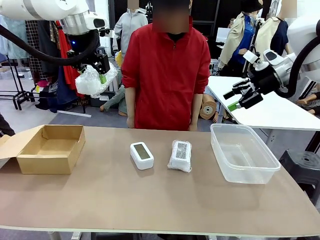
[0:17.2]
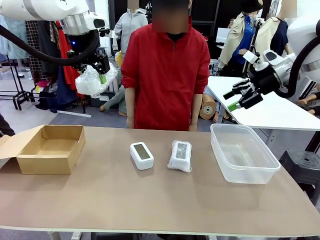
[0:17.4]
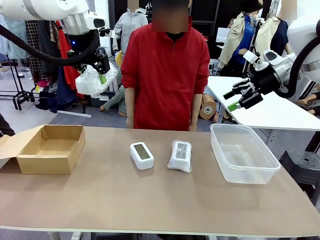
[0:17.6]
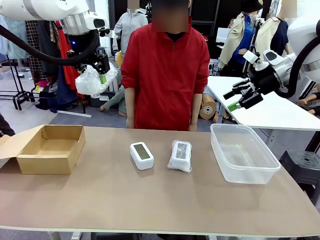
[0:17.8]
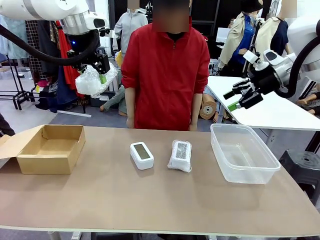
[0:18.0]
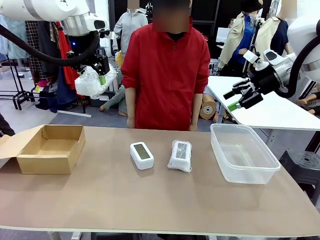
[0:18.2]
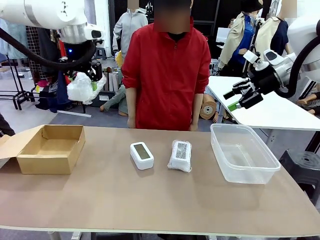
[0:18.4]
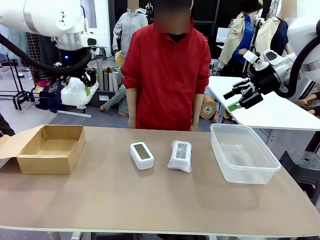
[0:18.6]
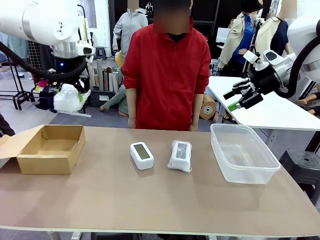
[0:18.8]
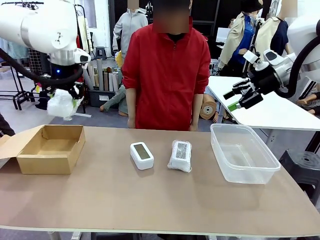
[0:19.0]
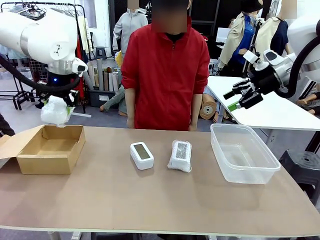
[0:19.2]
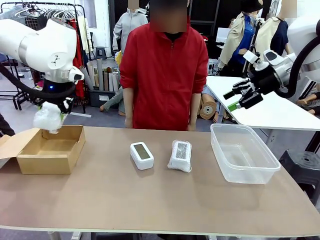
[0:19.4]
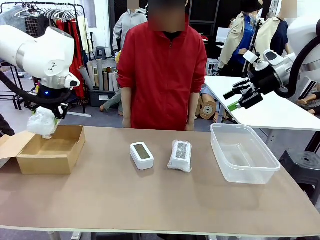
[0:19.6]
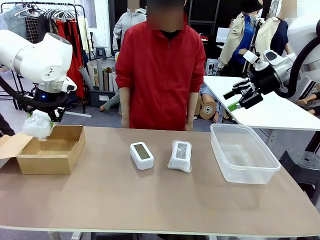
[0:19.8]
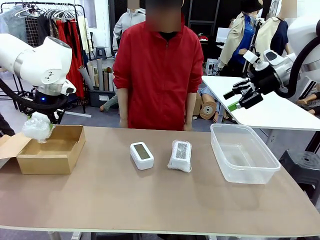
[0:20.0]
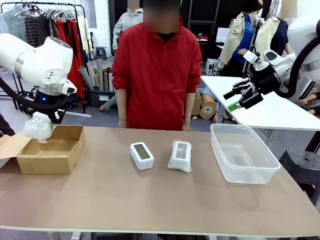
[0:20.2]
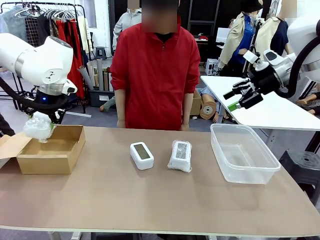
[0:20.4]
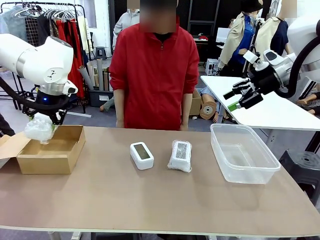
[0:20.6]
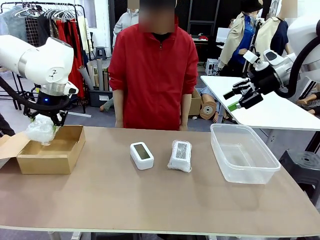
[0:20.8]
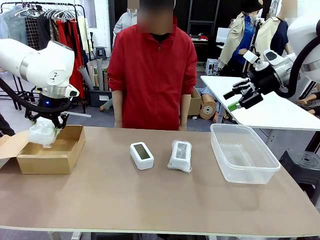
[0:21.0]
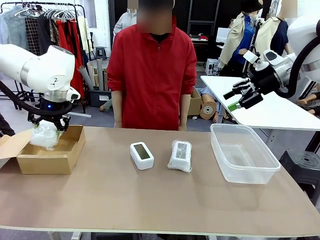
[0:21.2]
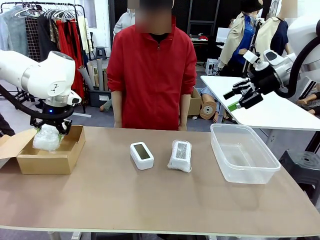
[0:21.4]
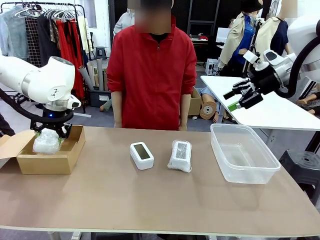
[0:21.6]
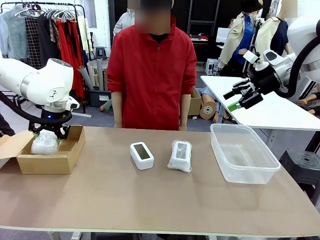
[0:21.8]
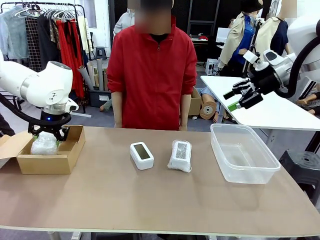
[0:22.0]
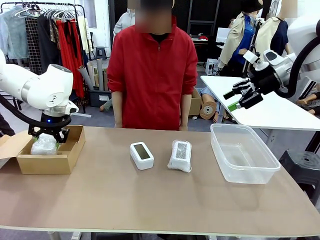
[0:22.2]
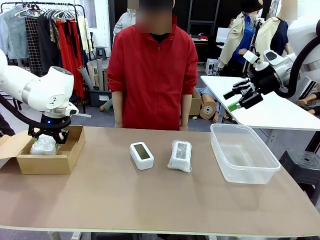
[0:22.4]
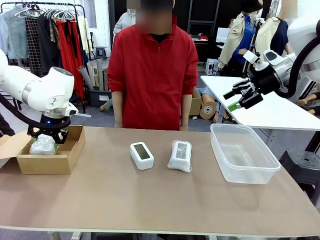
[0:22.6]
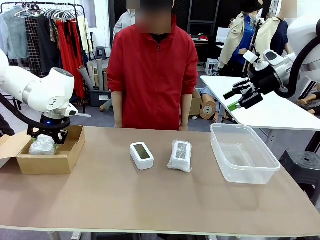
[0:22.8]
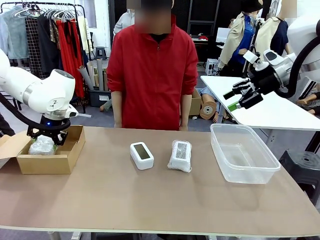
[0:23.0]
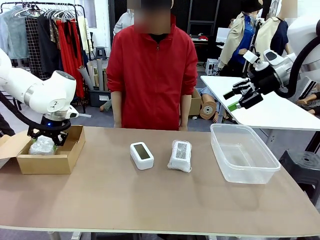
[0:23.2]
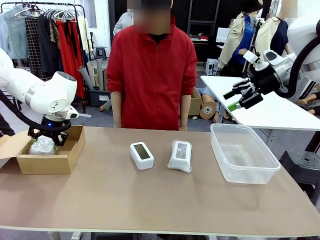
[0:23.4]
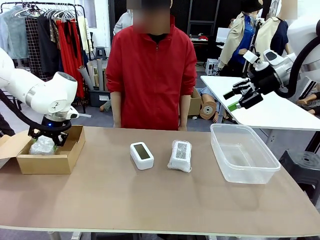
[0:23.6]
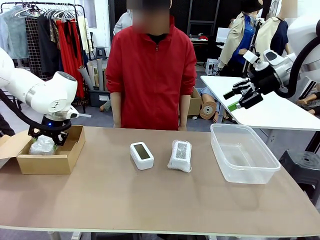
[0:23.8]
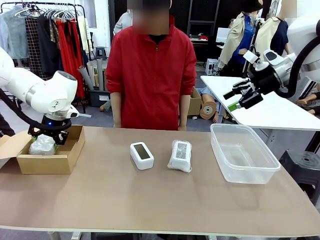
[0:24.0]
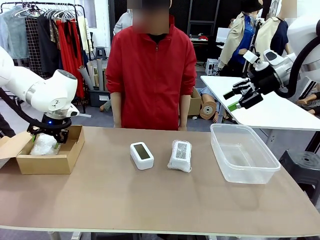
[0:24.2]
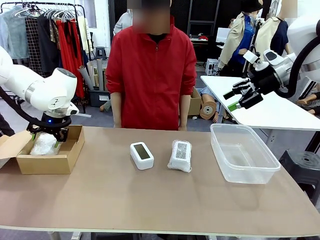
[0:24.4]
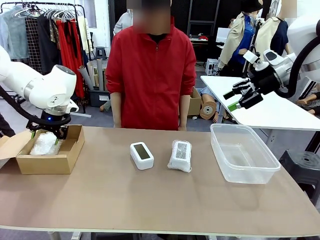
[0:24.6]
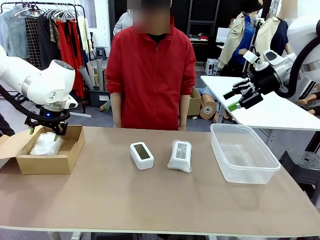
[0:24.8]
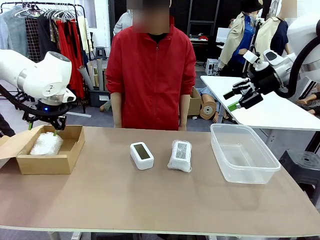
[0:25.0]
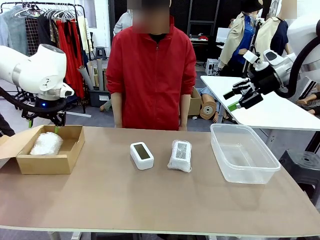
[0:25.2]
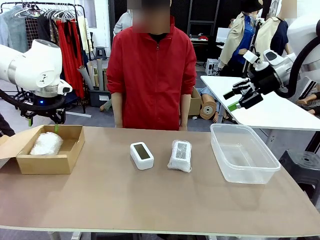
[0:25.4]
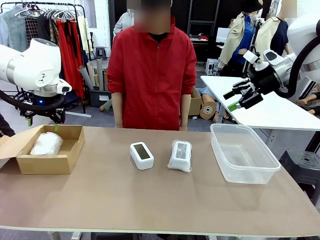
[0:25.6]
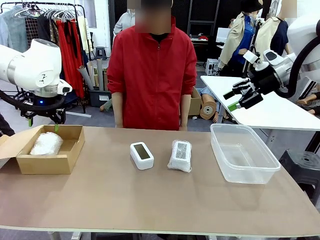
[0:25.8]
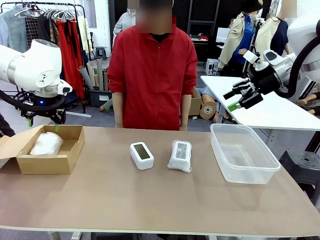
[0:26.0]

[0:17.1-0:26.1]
Task: Separate and place wrapped and unwrapped clocks.
Robot: If the picked Digital clock is wrapped, place it in the Package Box ; if not, place it in the Organizing box.

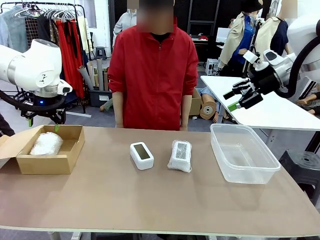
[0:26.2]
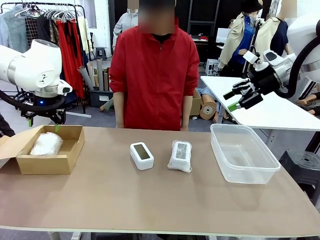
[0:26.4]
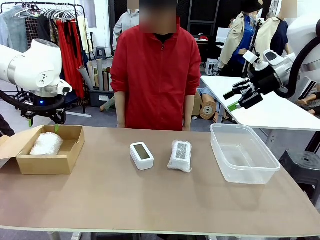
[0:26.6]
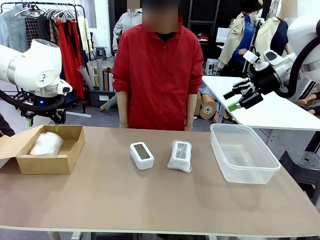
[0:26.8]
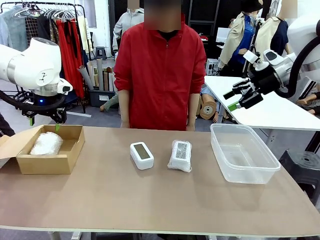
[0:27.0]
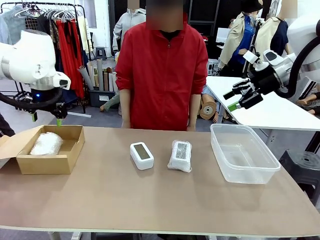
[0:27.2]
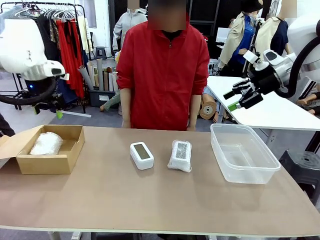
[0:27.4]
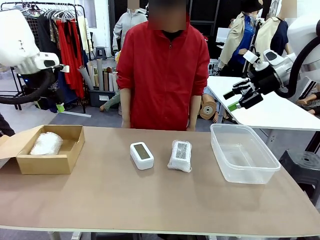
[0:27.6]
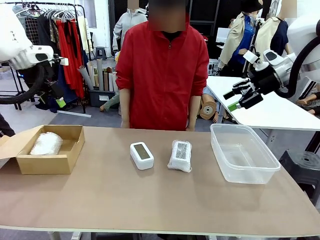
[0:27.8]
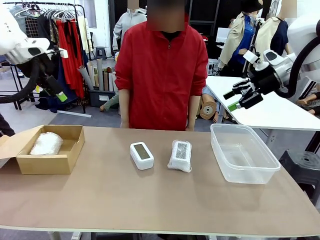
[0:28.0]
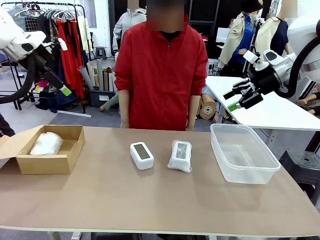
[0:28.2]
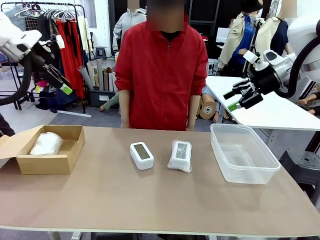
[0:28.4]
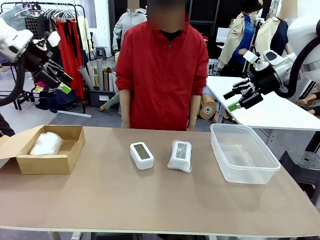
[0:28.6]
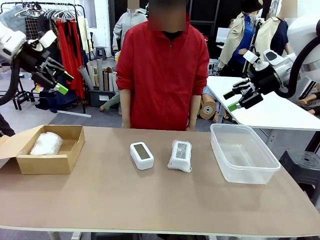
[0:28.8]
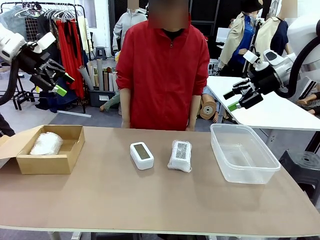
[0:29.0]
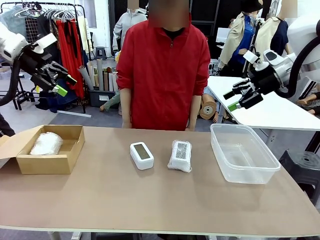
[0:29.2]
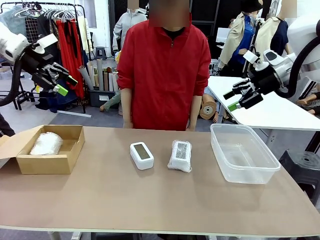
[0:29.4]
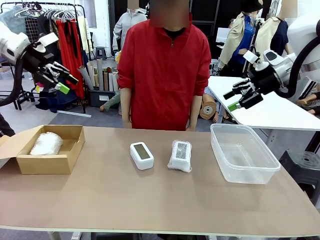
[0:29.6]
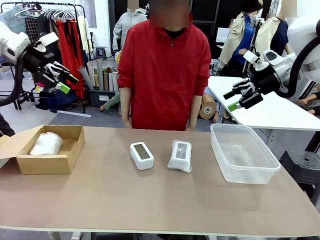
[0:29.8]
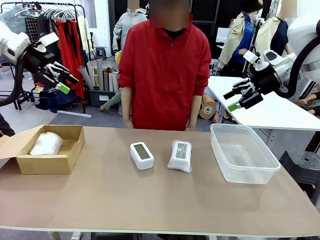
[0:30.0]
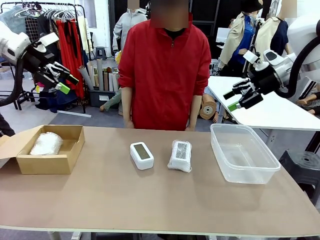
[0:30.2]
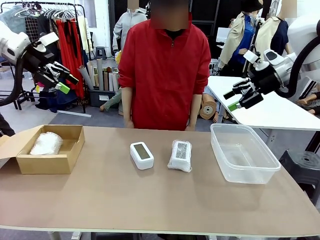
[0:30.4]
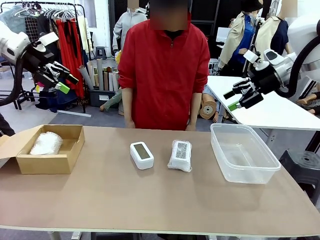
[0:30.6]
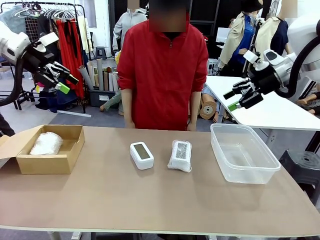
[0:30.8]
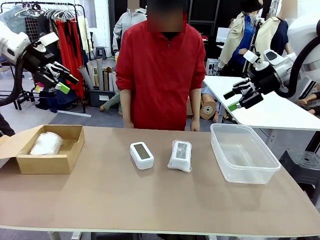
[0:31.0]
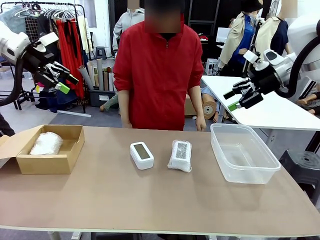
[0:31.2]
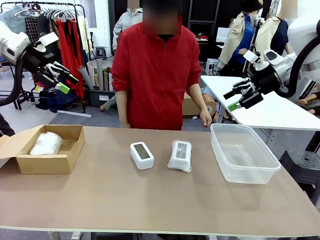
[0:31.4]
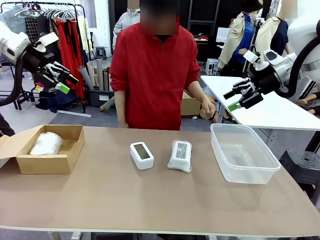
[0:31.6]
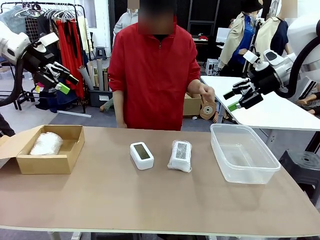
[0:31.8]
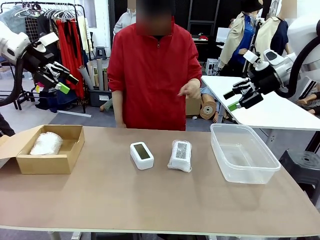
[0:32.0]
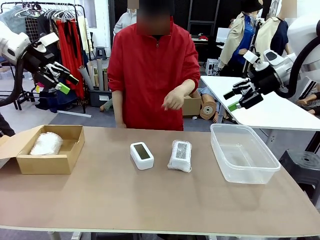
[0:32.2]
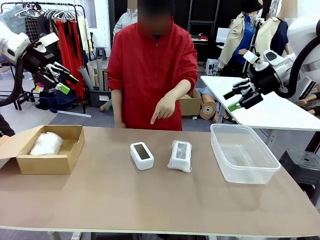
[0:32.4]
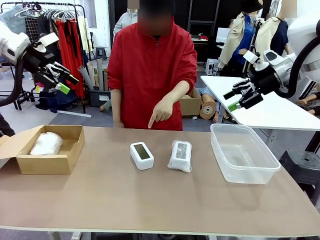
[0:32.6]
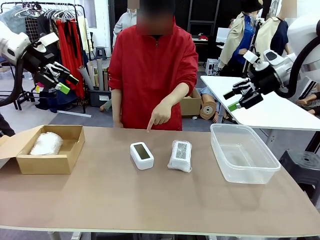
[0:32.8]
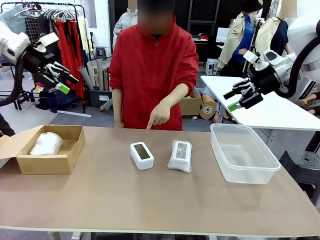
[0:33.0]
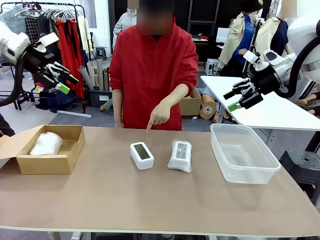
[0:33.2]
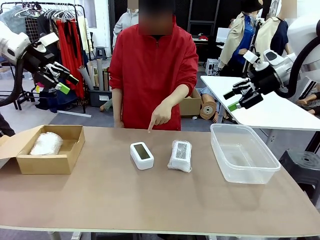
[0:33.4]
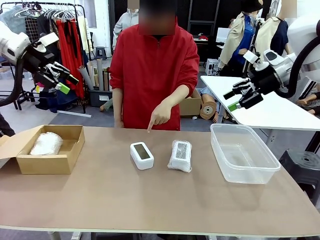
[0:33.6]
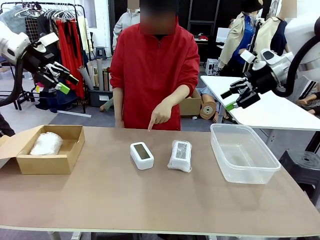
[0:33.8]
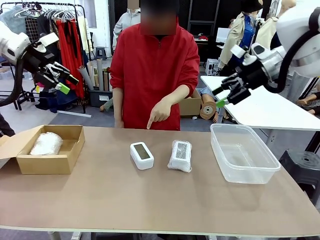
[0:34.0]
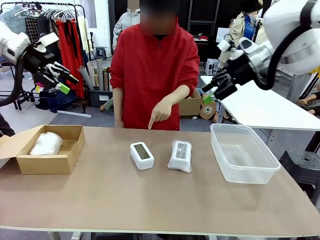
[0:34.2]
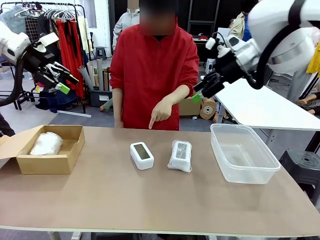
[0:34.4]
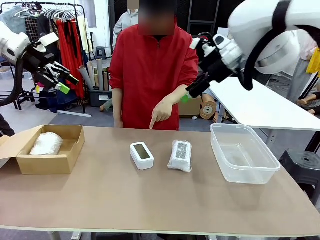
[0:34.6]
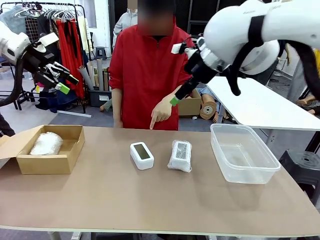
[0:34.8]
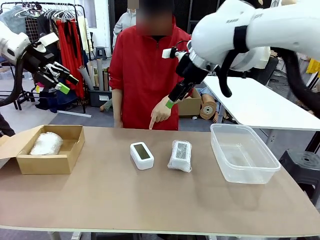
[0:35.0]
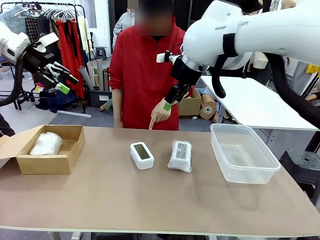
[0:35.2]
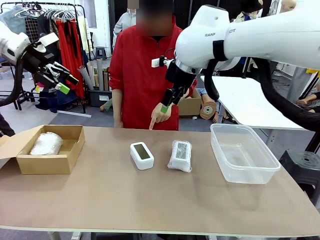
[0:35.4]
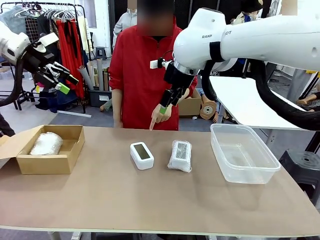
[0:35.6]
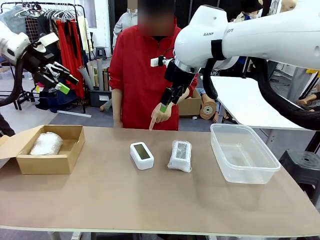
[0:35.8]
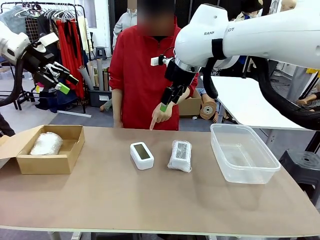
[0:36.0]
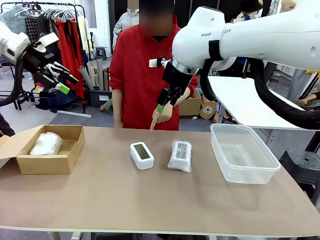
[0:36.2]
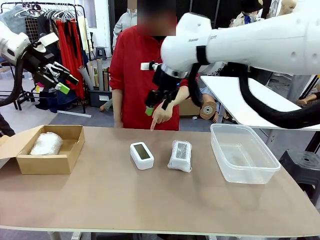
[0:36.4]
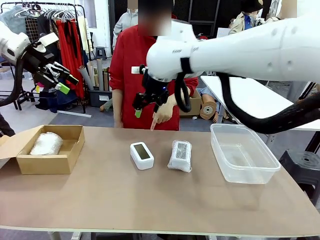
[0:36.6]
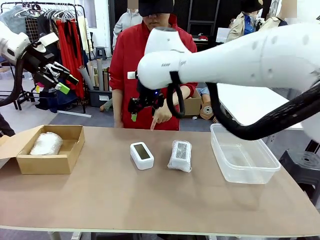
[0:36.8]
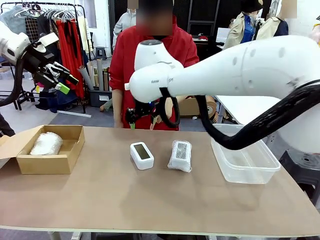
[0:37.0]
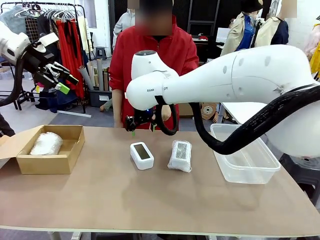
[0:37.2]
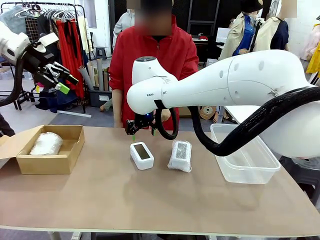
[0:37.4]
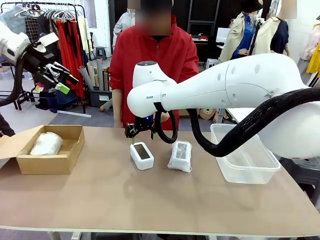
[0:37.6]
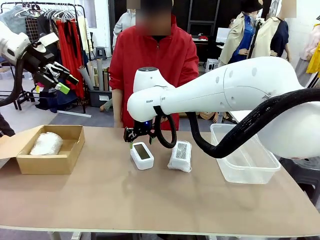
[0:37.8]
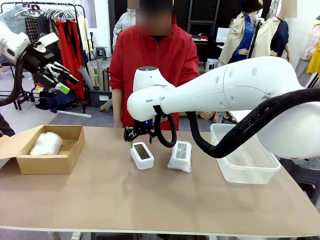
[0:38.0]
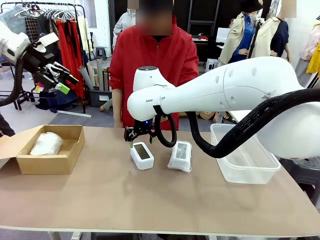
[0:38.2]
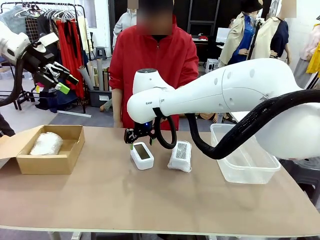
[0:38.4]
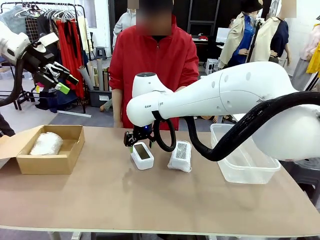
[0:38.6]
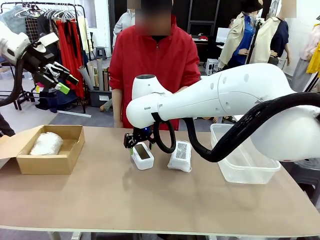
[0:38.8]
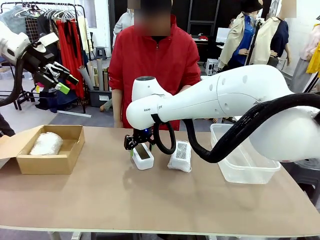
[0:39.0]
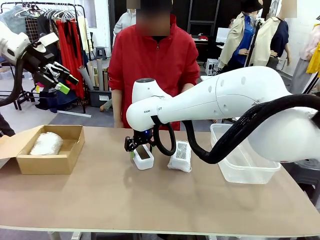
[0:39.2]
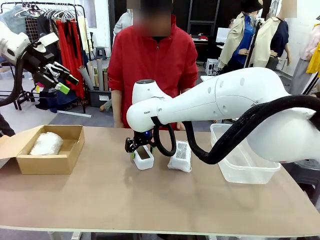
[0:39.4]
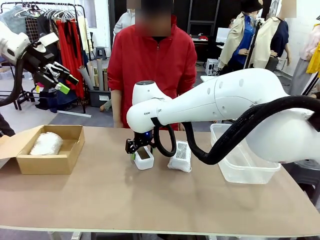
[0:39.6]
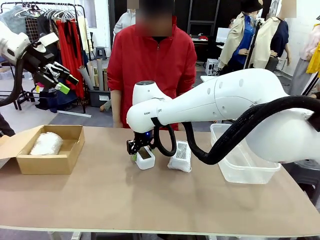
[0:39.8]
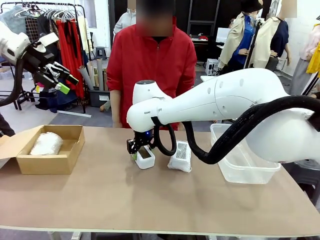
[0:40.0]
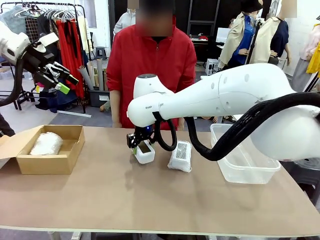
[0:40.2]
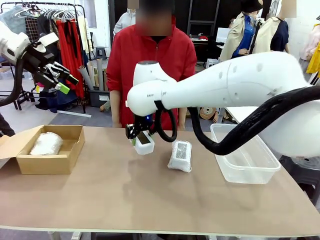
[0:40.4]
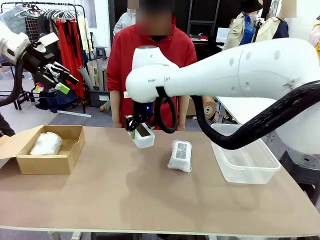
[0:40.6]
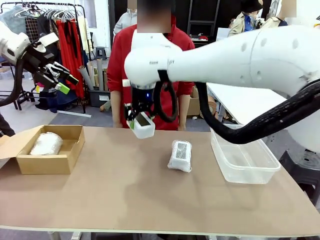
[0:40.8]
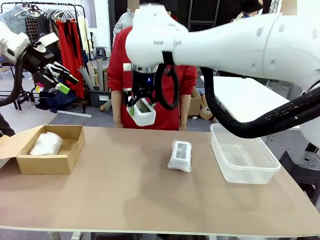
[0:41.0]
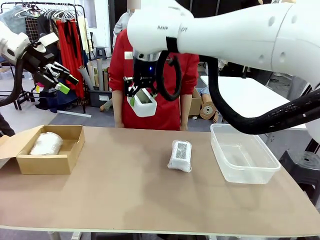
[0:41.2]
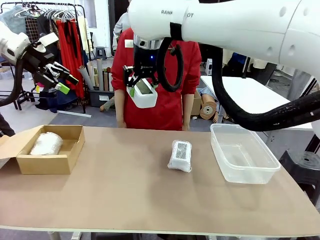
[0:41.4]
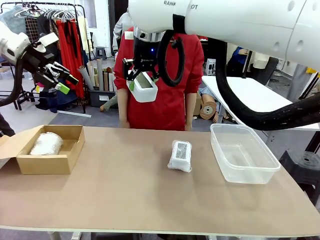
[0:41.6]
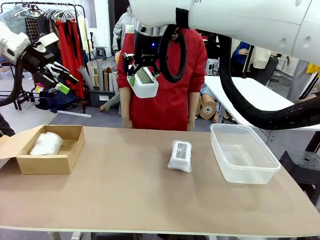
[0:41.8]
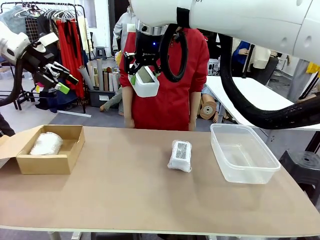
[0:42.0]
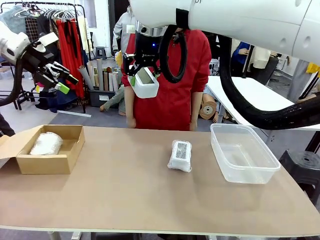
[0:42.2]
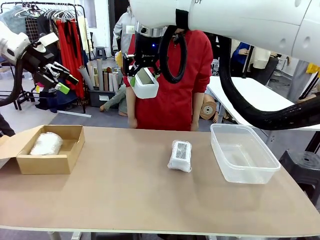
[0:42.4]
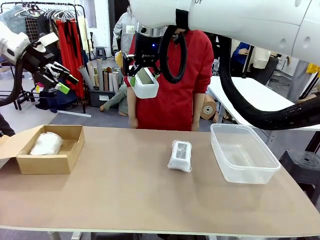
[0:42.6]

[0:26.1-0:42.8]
Robot: Pick up the Digital clock indicated by the person.
